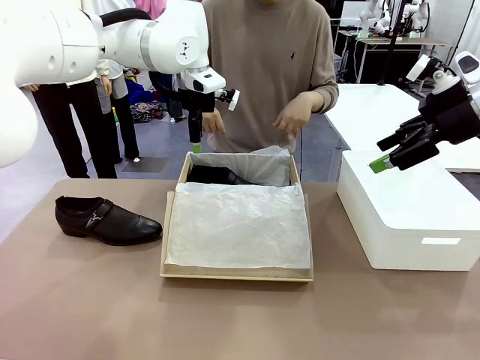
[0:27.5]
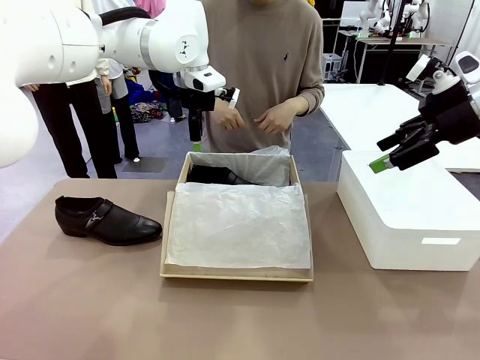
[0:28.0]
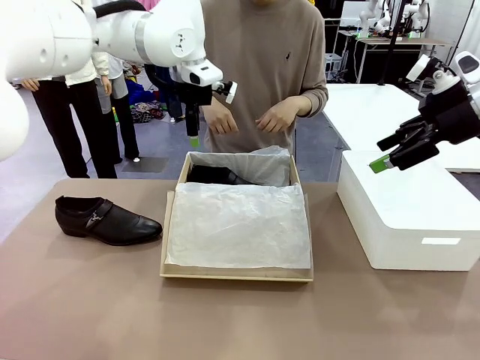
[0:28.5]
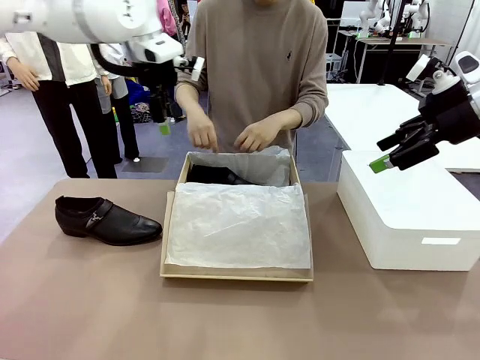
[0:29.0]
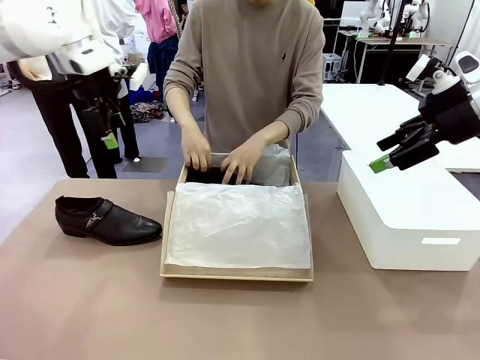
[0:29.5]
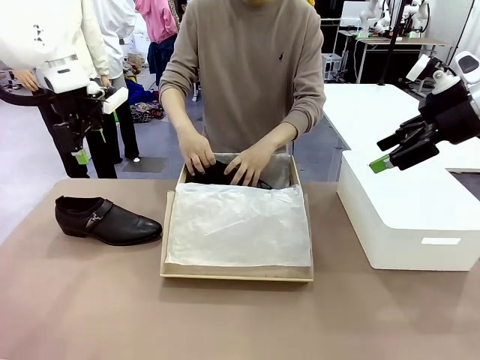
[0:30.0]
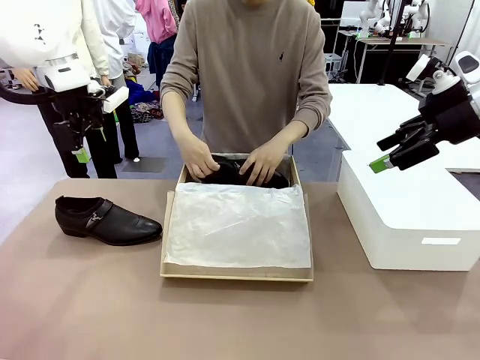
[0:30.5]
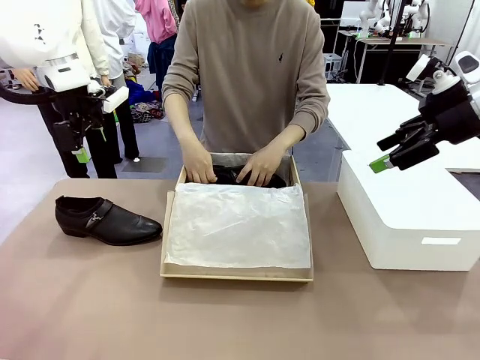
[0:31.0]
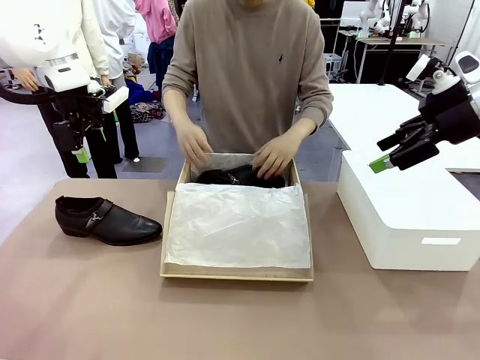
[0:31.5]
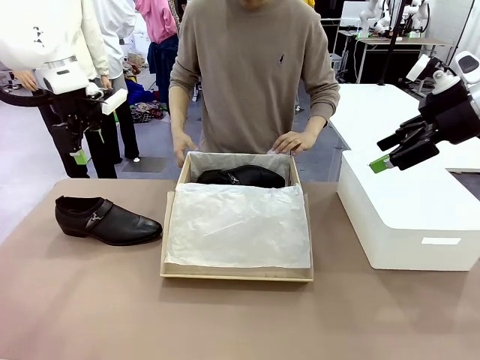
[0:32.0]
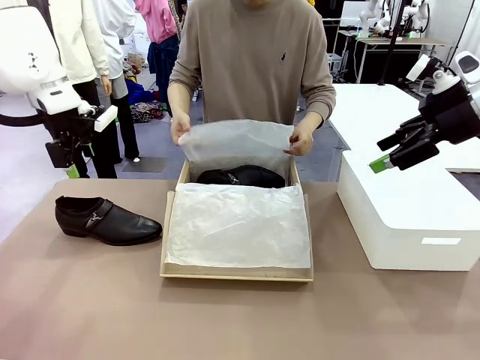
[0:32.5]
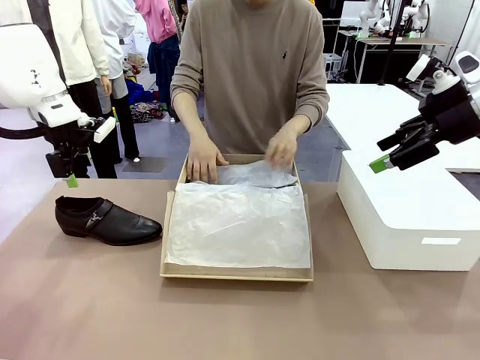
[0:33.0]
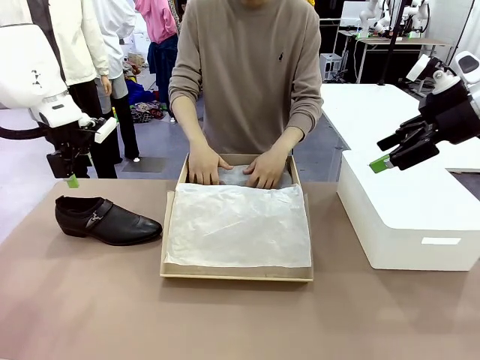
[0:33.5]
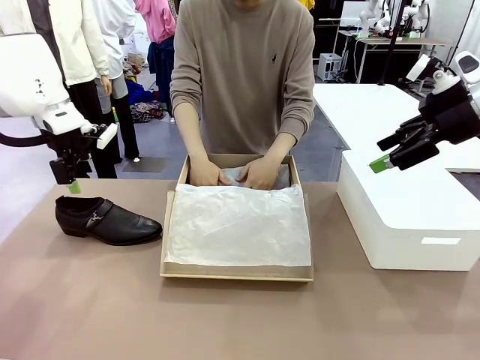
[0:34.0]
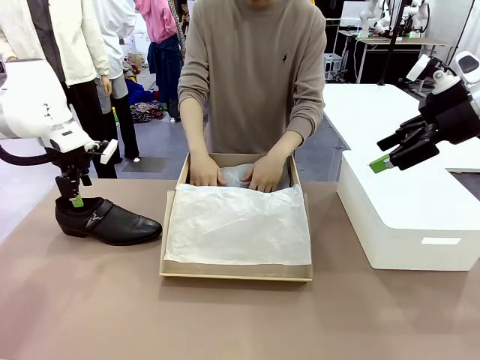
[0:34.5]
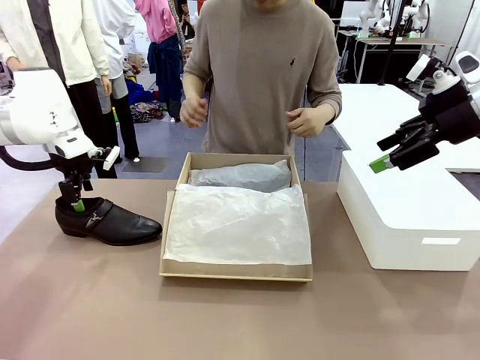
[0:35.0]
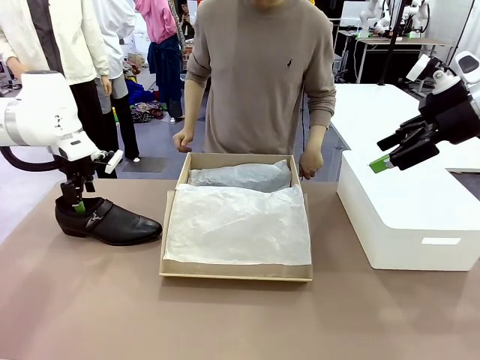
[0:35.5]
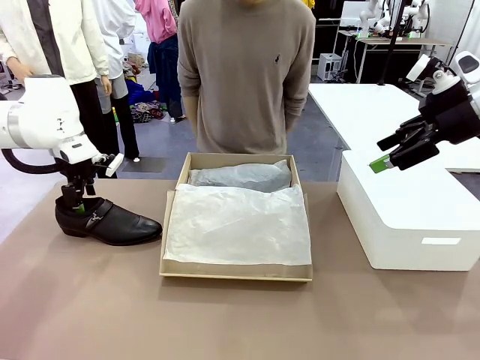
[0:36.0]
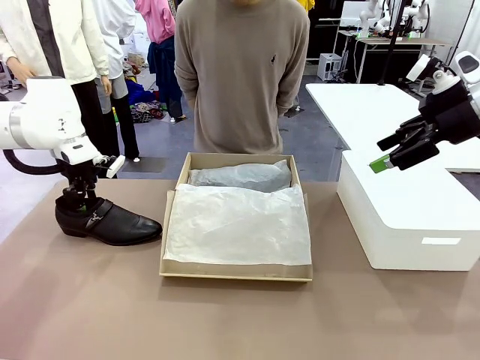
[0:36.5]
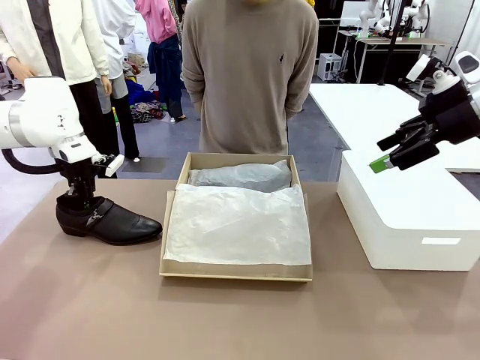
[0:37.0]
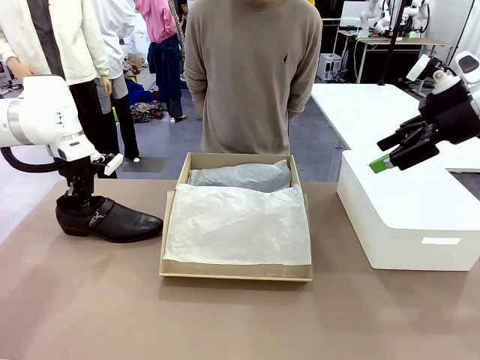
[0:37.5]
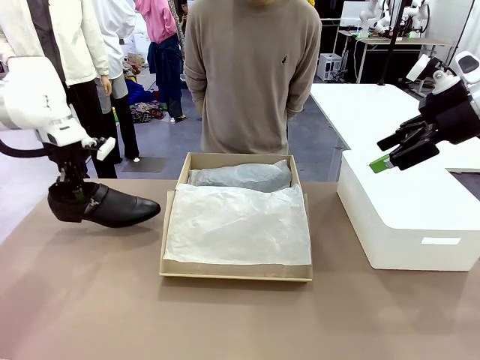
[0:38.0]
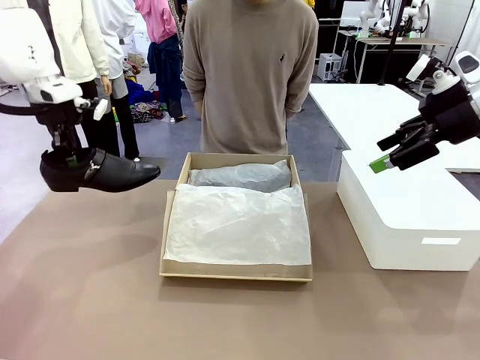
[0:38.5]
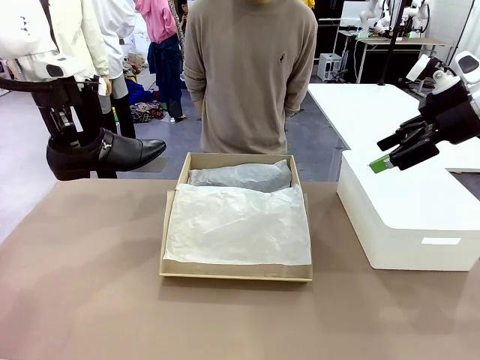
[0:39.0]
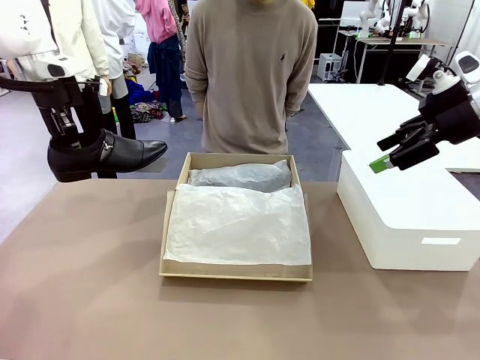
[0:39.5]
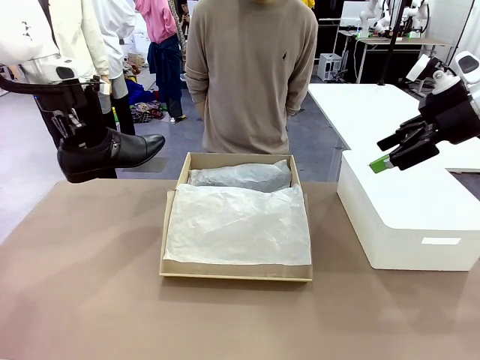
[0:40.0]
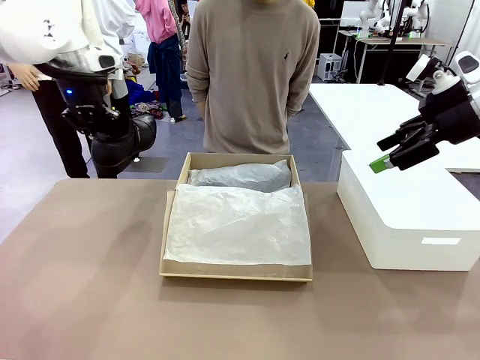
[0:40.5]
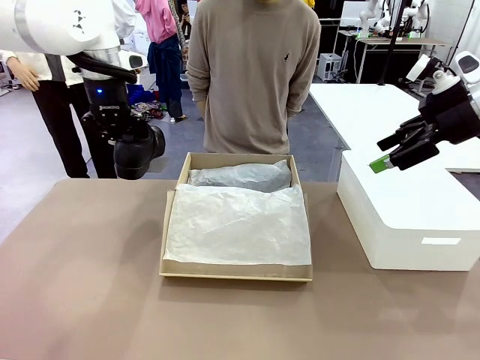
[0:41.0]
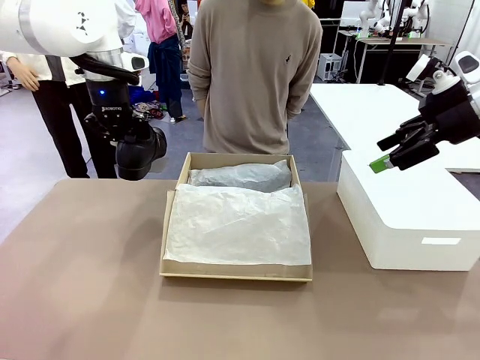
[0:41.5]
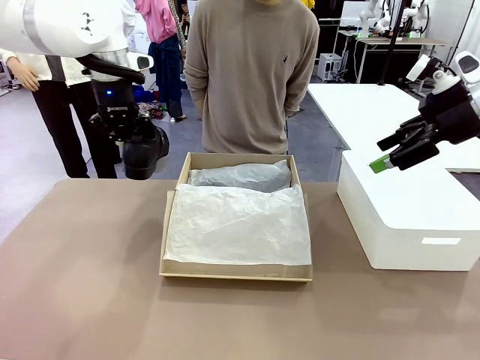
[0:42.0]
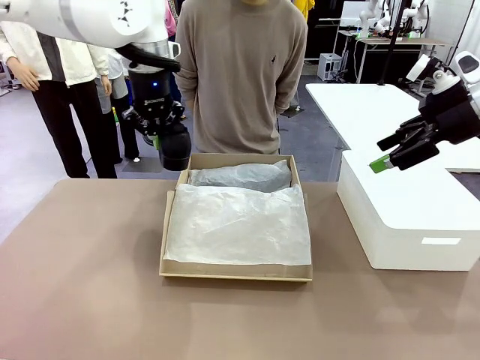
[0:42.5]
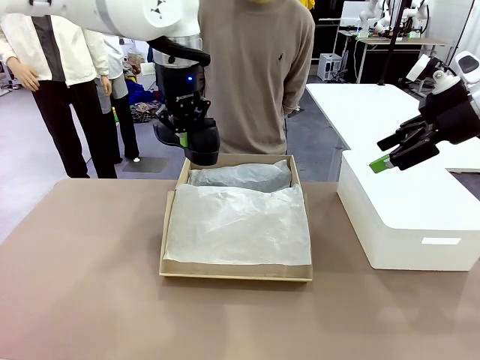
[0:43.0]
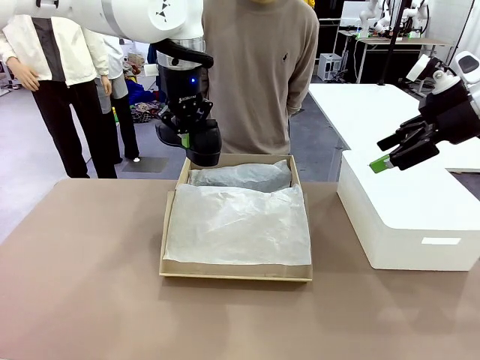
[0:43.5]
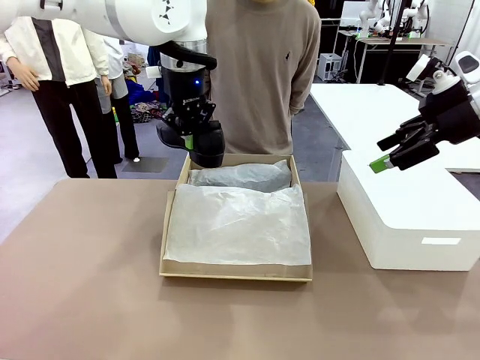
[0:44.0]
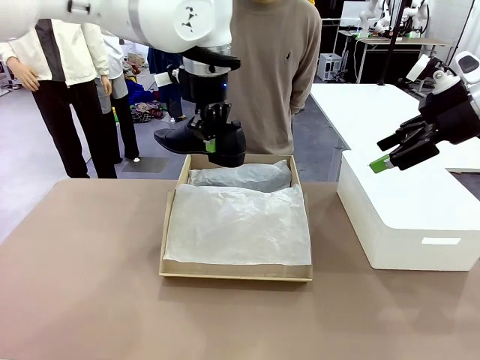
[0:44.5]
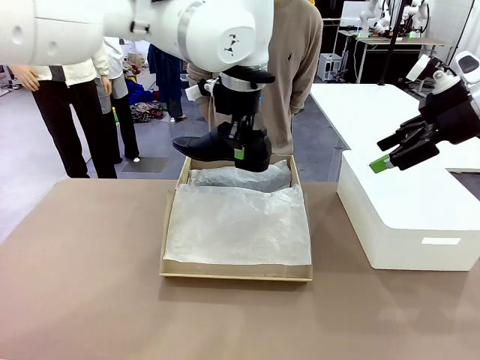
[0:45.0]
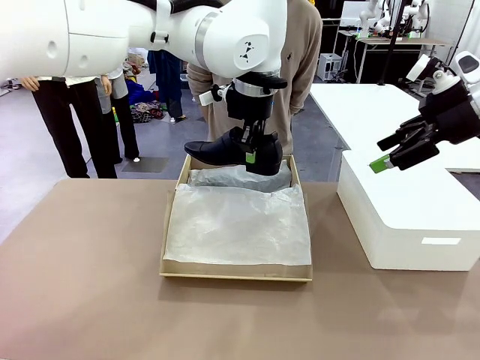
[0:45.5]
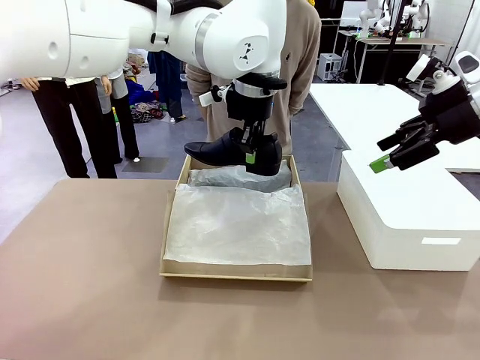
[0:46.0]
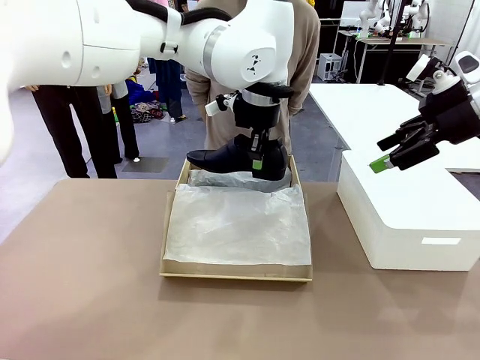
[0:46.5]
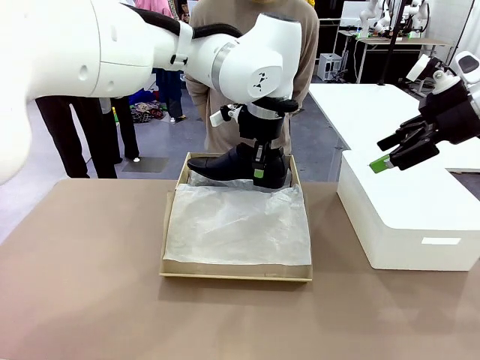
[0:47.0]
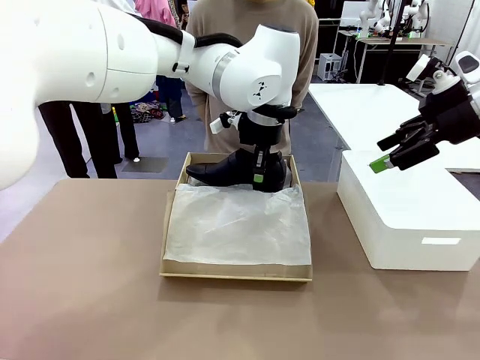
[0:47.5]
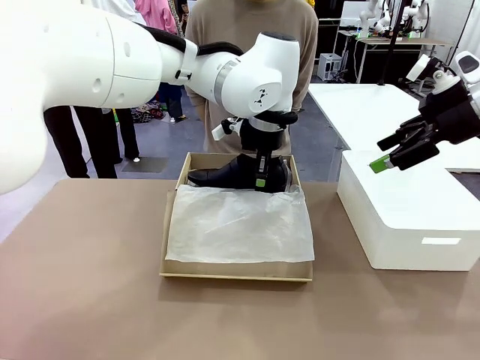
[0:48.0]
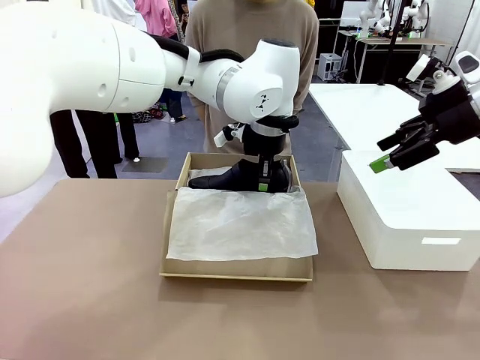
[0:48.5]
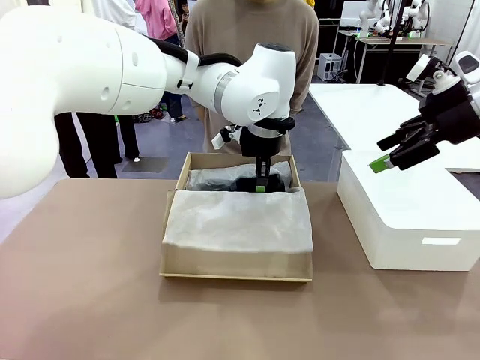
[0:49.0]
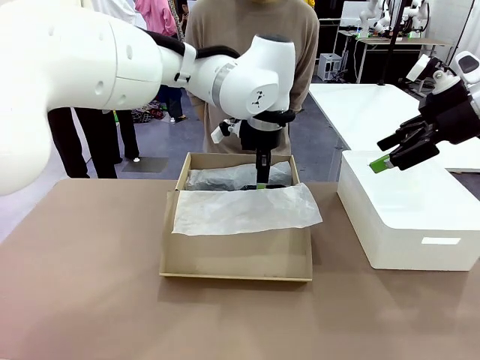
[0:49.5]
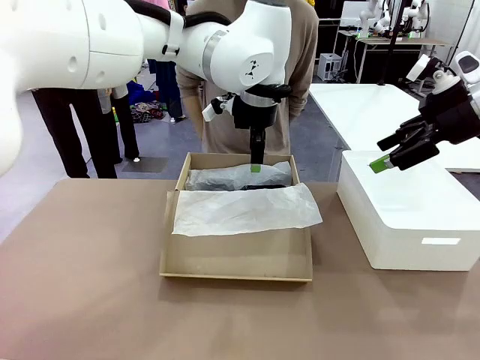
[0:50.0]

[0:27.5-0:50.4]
Task: Pack the shoes into the box.
Robot: Place the other shoe of the Shoes into the Shoes Box.
Person: Pack a shoe of Shoes inside the Shoes Box with Shoes Wrapping Paper.

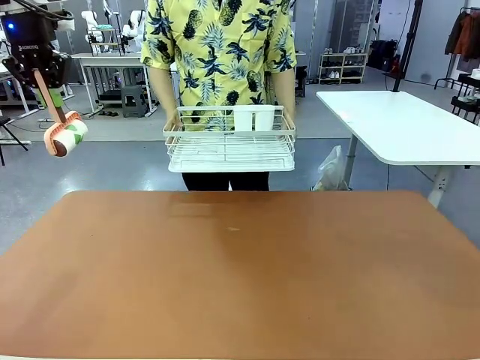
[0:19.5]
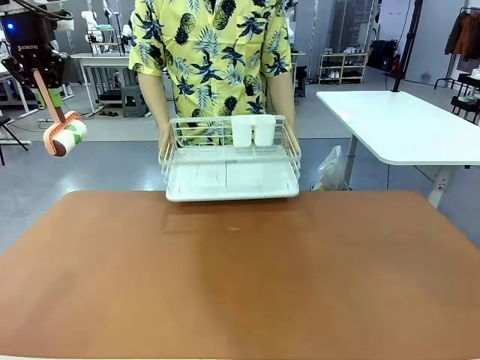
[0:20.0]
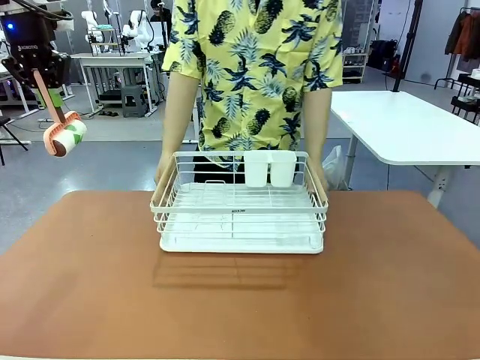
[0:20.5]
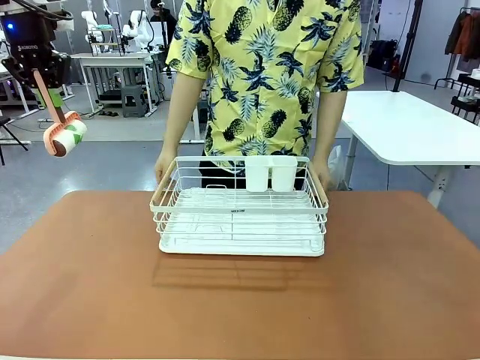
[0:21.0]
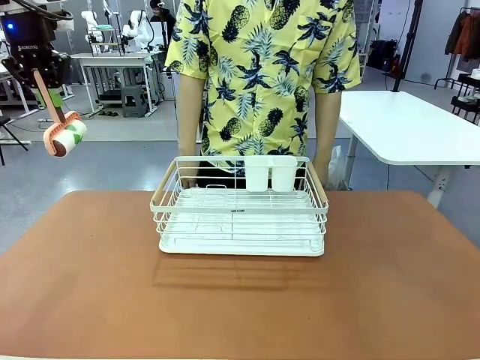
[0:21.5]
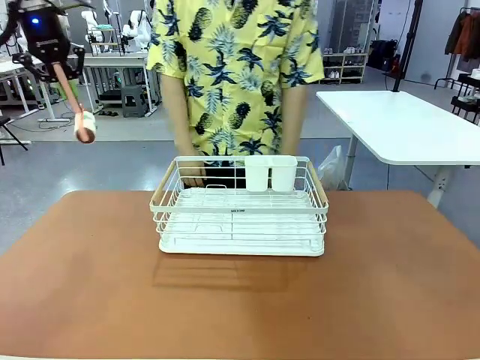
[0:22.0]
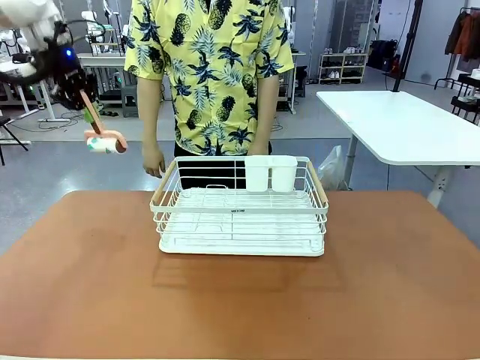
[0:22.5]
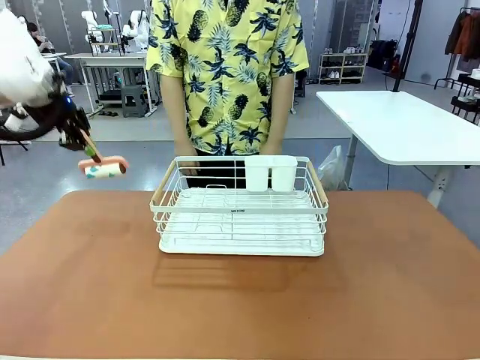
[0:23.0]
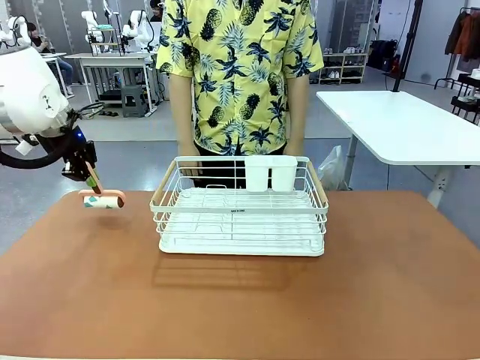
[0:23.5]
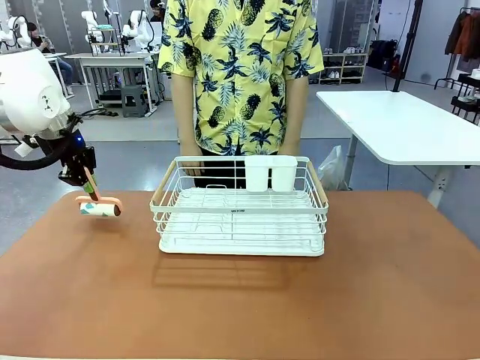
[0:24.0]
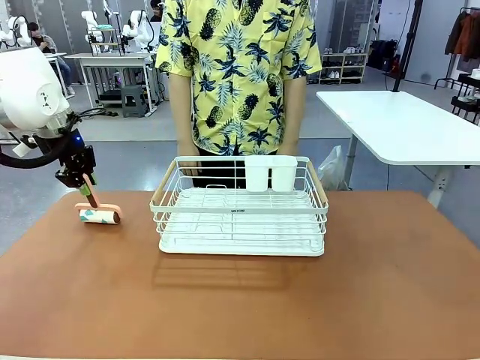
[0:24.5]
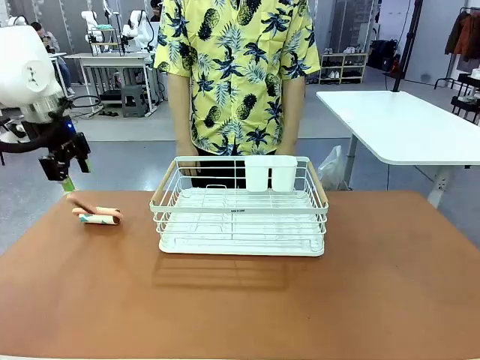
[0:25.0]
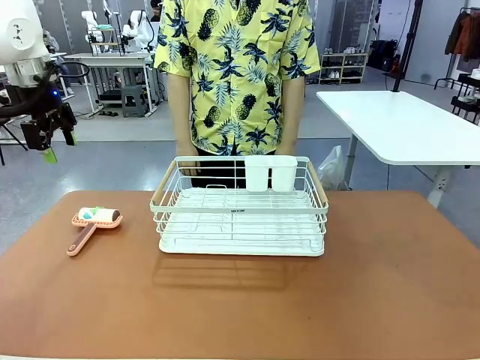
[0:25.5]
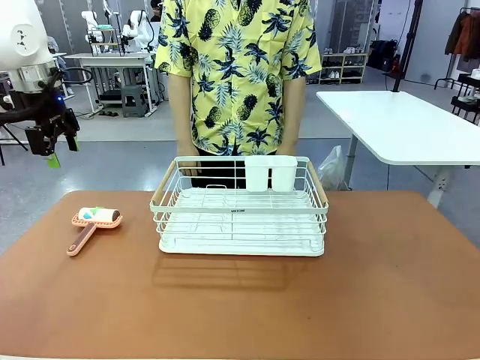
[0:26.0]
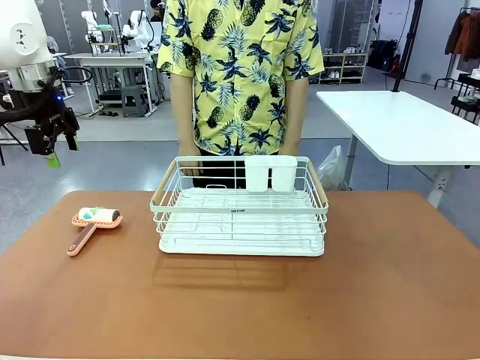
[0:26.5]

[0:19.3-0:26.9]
Task: Clean the table.
Robot: Place the Lint Roller down when the Dish drying rack is positioned in the middle of the table.
Person: Place the Dish drying rack down when the robot finishes cleaning.
